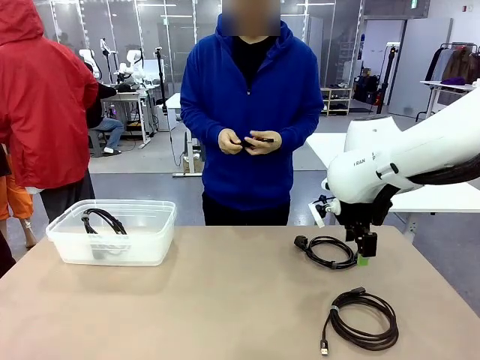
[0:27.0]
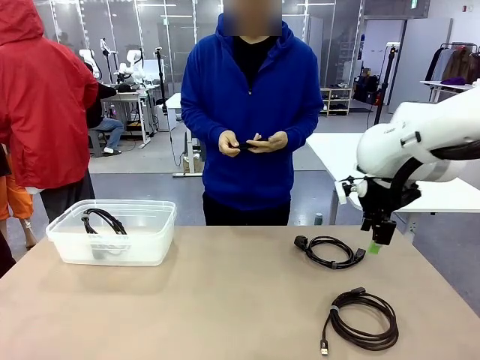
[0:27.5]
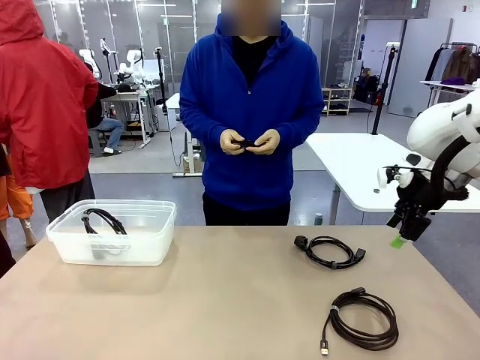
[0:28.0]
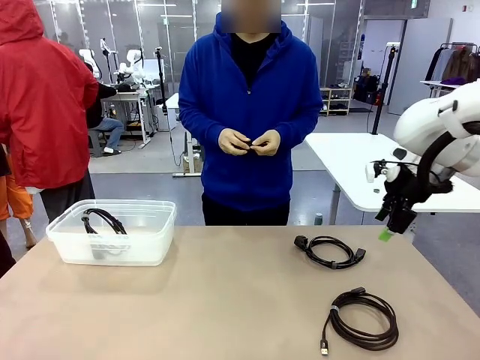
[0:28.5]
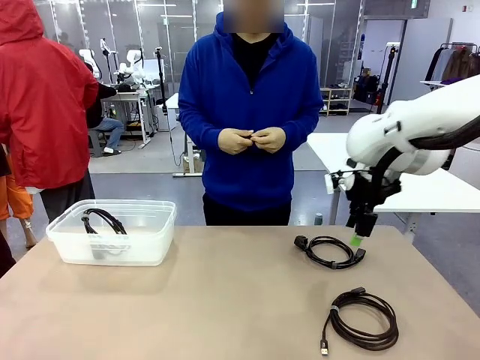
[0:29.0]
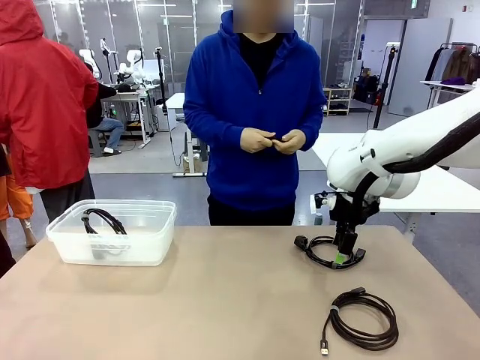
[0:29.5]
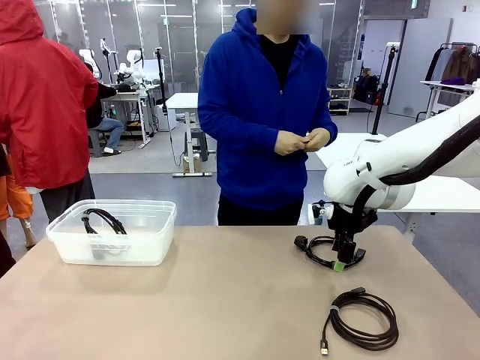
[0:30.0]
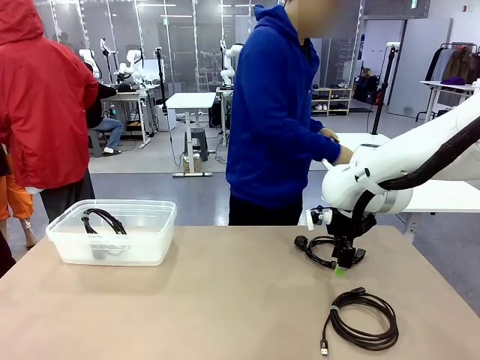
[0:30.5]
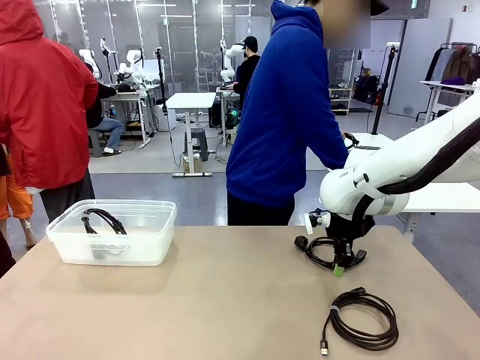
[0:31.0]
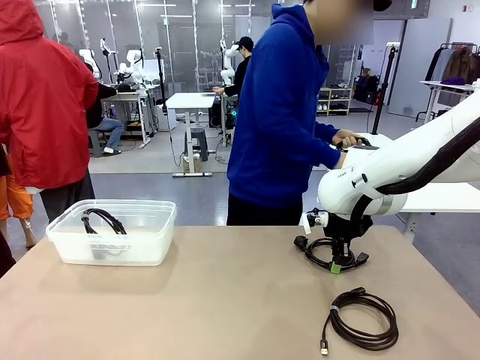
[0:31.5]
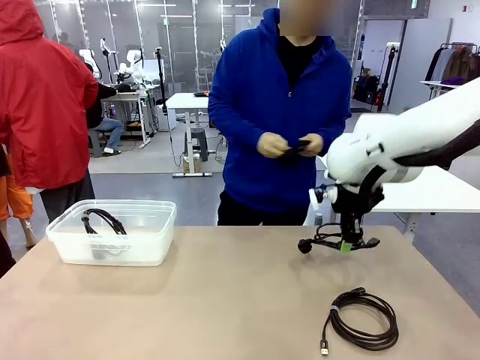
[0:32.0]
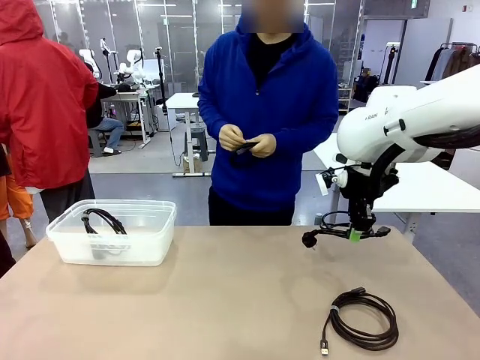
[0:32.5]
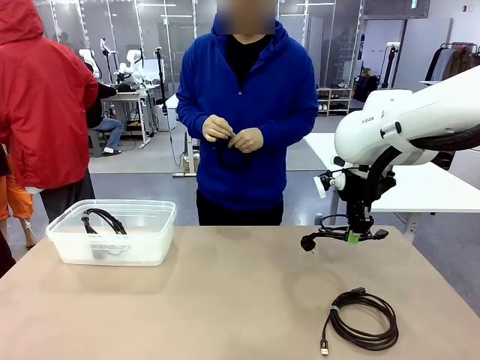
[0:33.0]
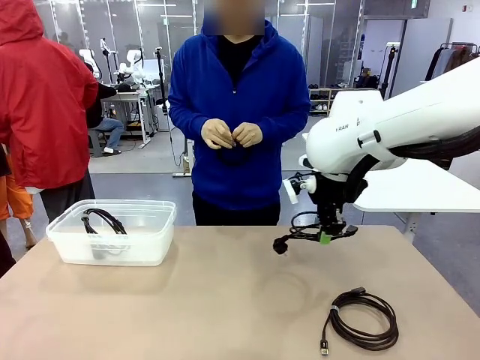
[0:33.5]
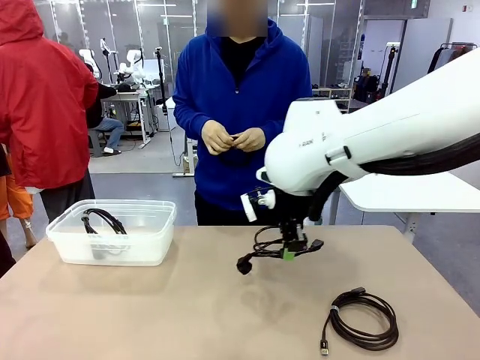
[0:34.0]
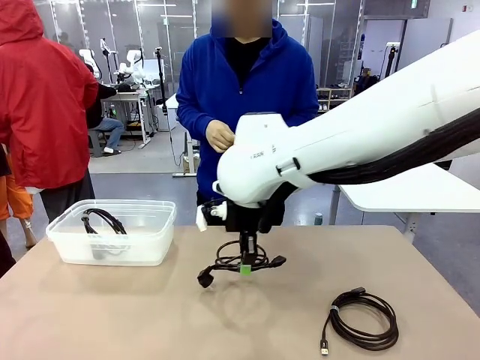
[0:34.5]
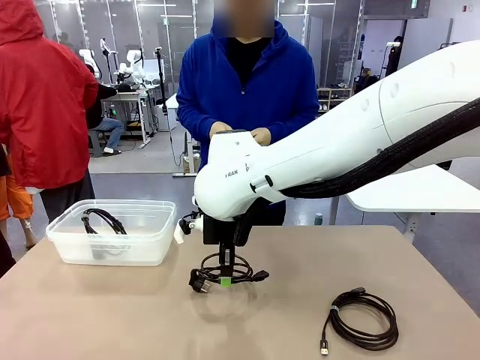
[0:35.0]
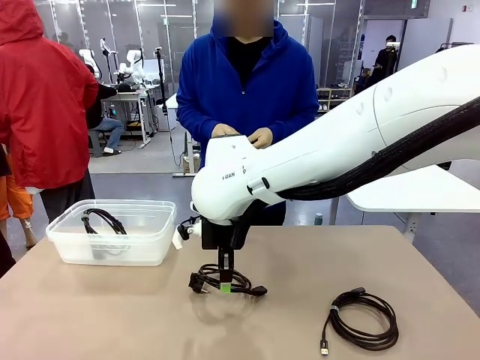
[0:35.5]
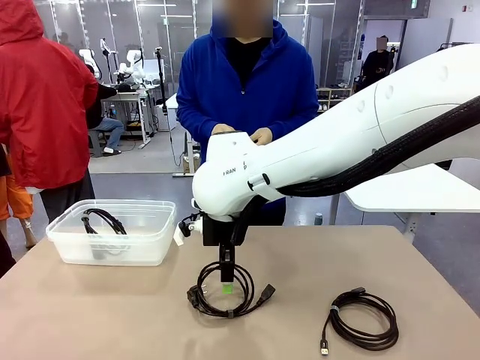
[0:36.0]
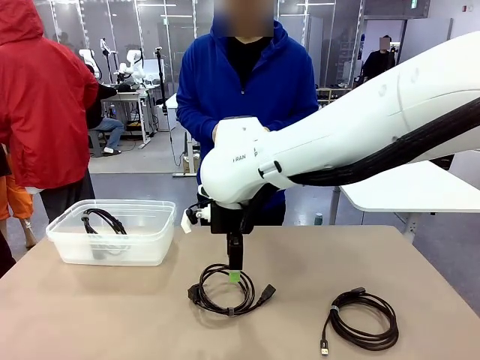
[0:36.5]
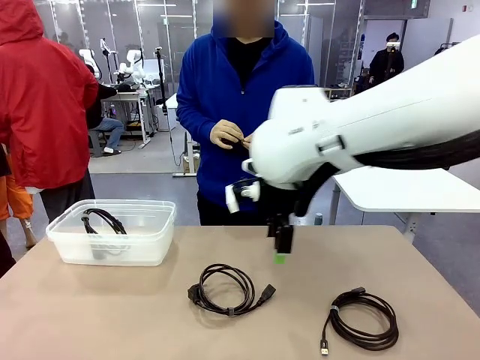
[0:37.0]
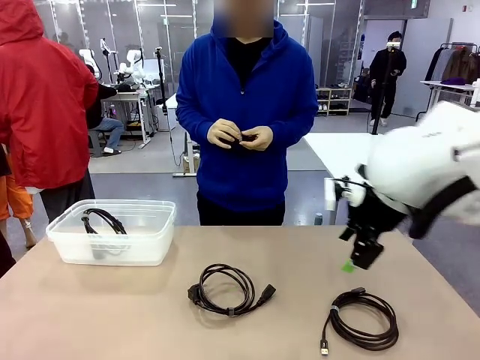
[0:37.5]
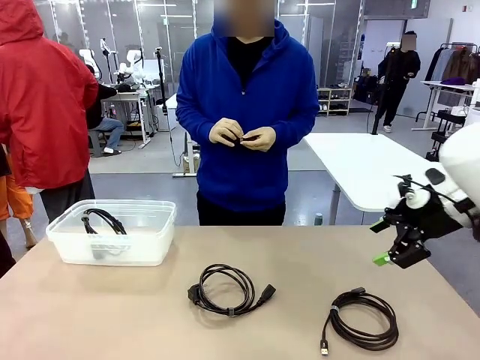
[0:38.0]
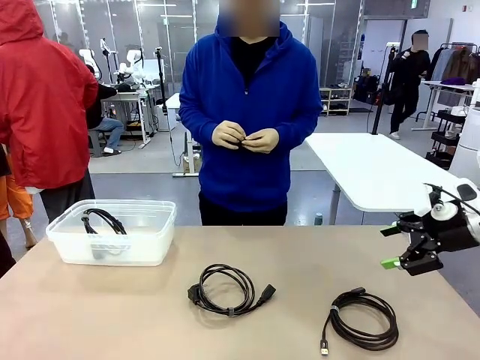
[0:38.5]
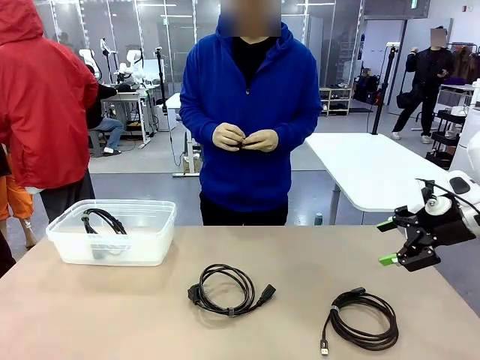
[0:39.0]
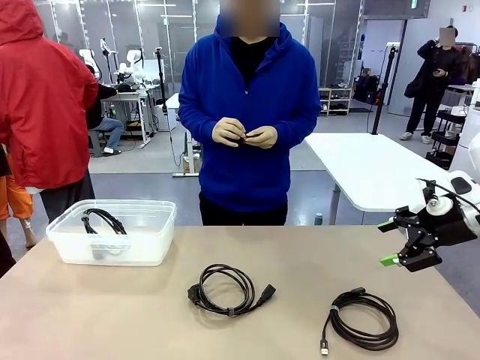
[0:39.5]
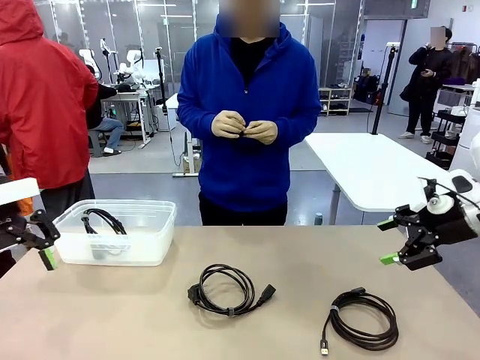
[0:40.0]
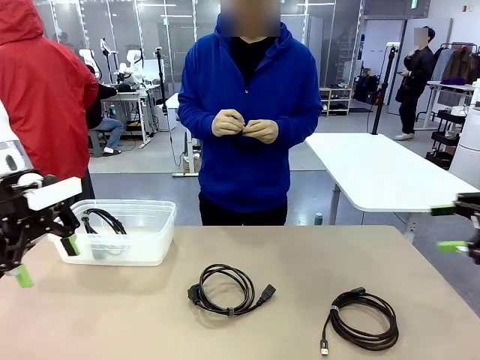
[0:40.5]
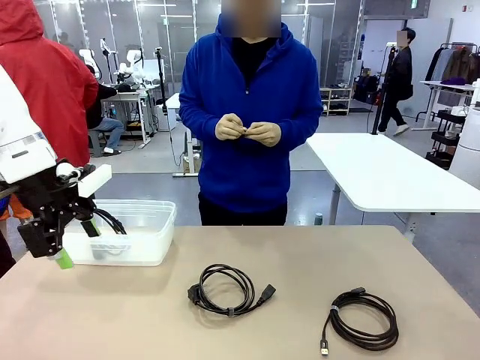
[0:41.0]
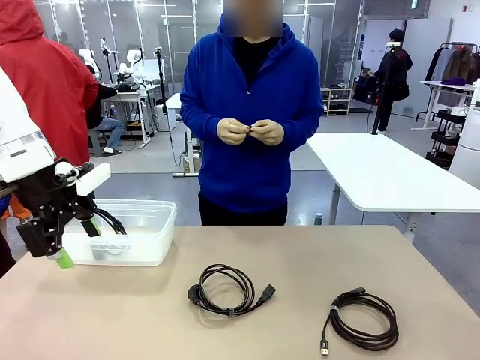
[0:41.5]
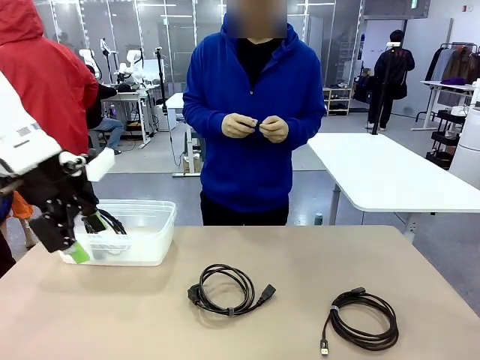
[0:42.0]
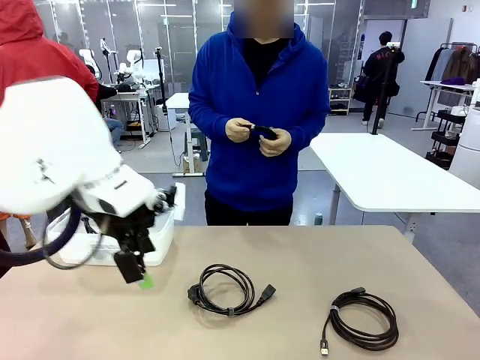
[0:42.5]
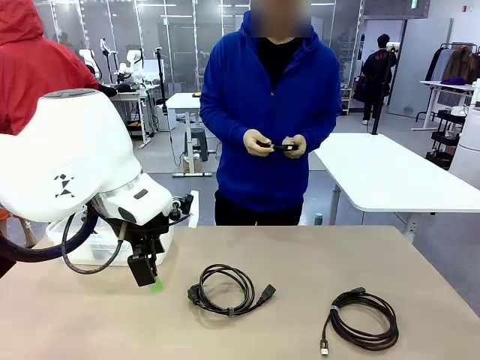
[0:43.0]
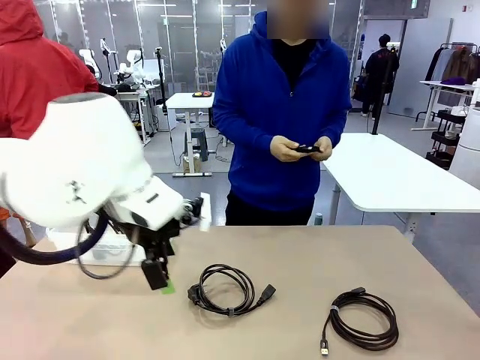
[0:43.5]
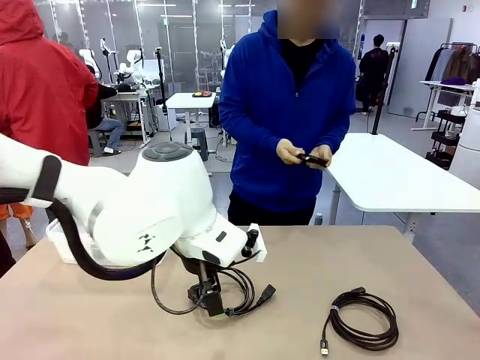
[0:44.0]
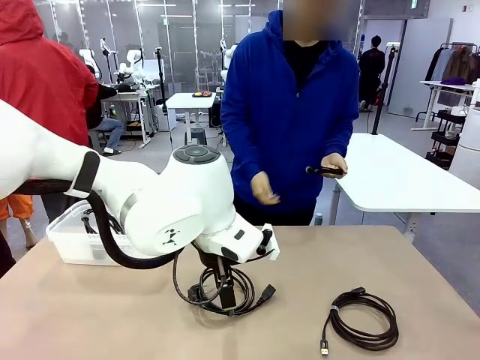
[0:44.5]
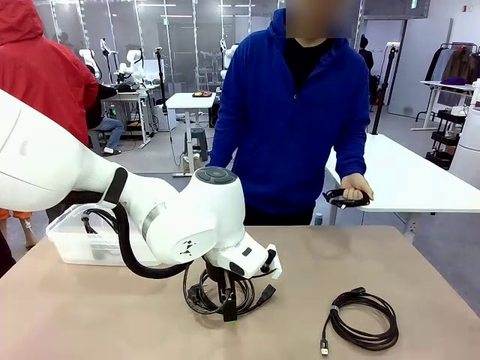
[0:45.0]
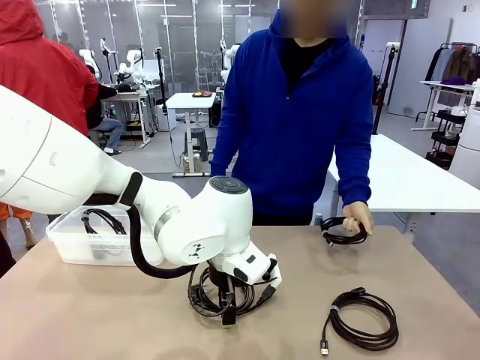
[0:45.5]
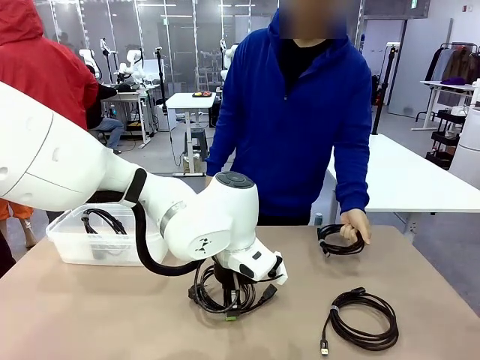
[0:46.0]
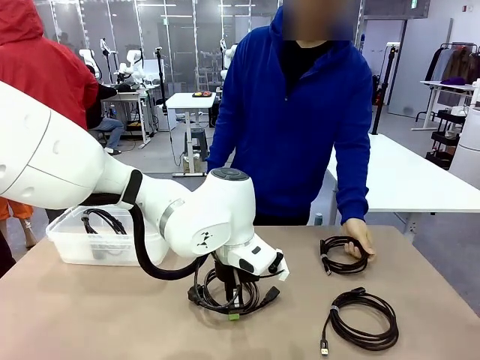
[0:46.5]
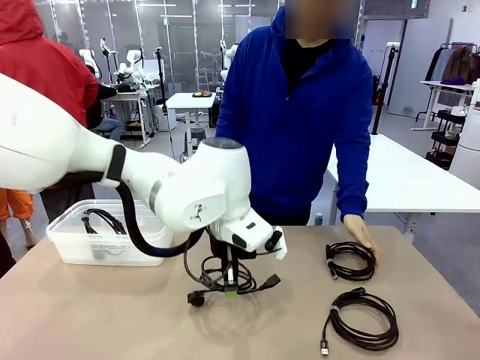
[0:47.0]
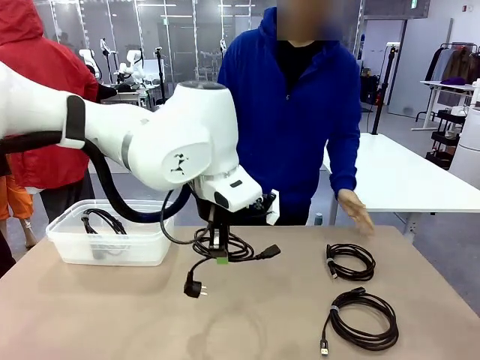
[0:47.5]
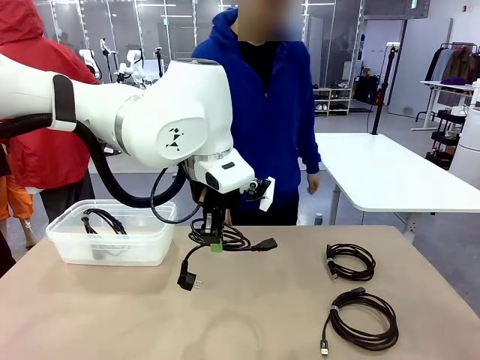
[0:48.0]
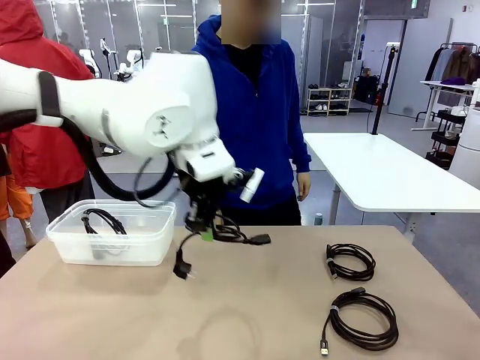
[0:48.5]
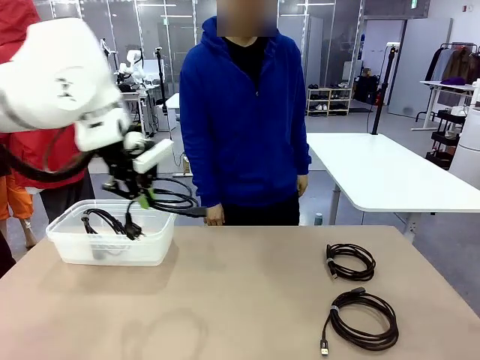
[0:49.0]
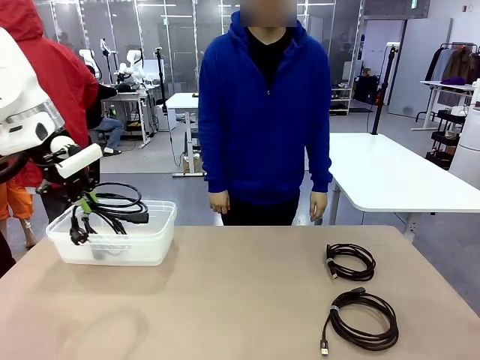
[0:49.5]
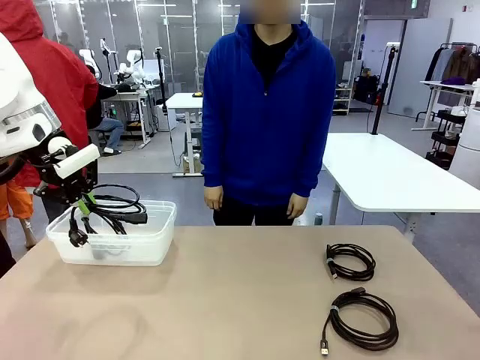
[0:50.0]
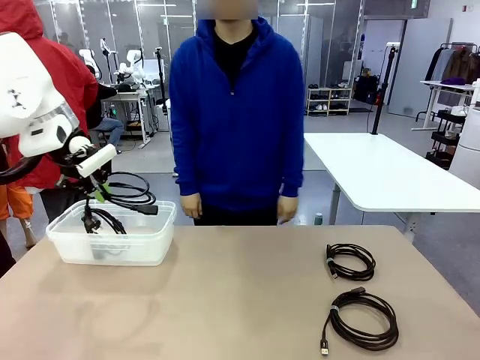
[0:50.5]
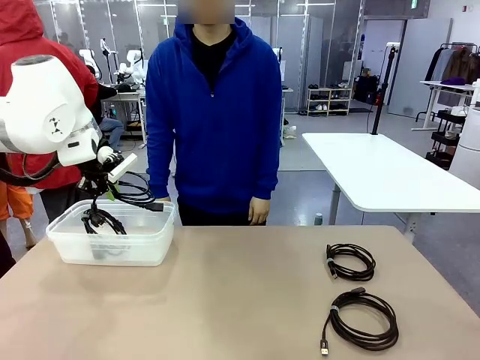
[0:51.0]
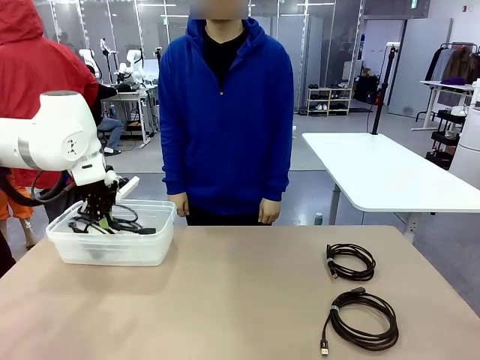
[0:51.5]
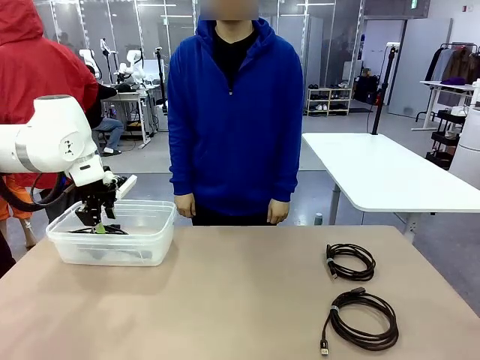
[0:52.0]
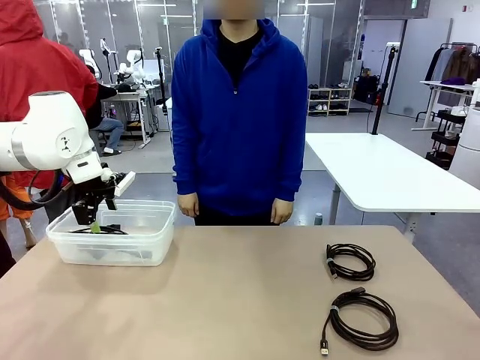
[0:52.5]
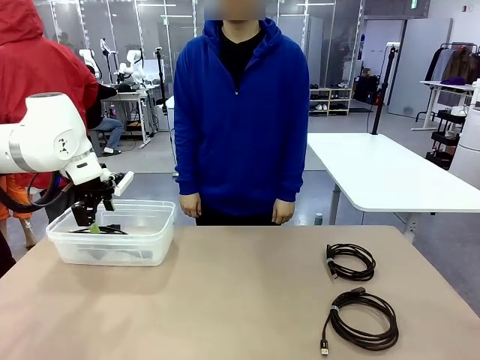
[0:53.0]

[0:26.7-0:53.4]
Task: Organize and store the cables.
Robot: Place the Power Cable into the Organizing box.
